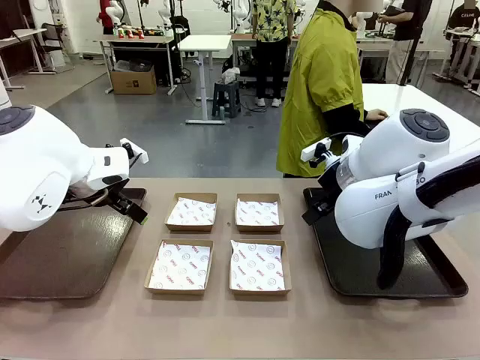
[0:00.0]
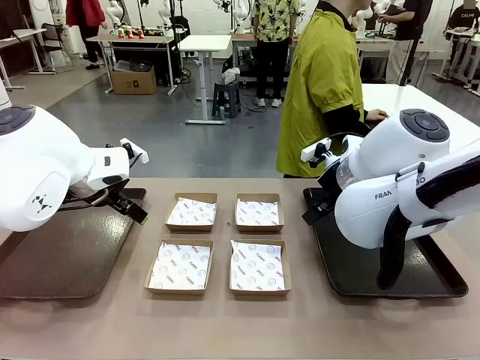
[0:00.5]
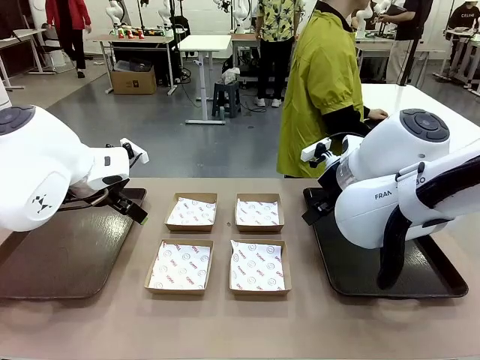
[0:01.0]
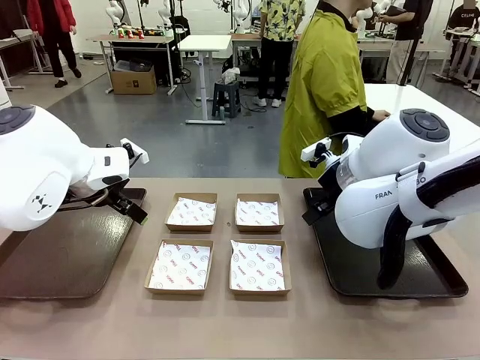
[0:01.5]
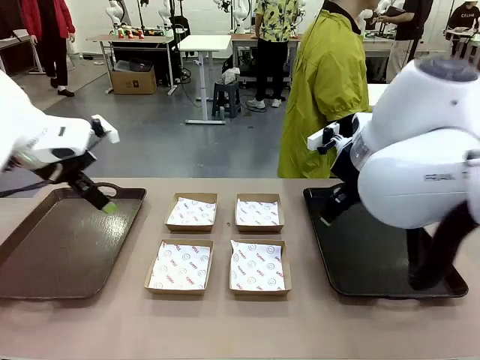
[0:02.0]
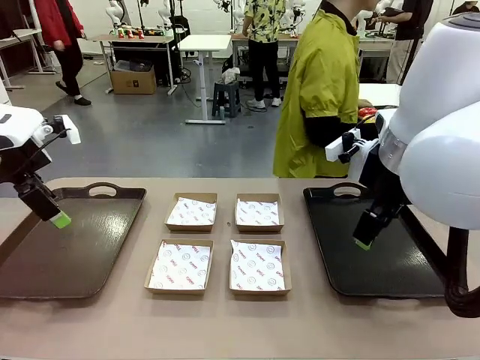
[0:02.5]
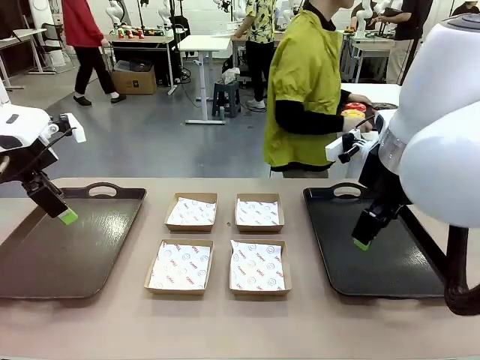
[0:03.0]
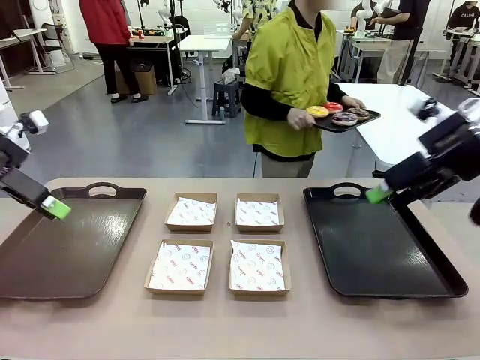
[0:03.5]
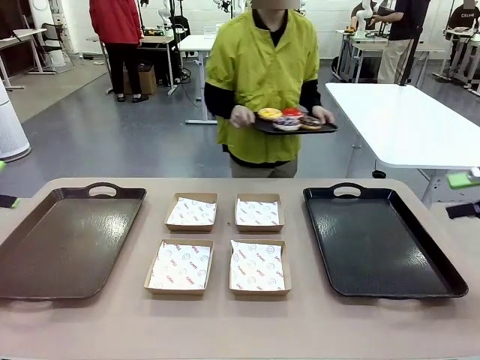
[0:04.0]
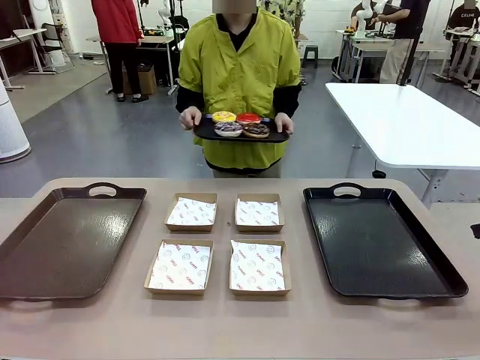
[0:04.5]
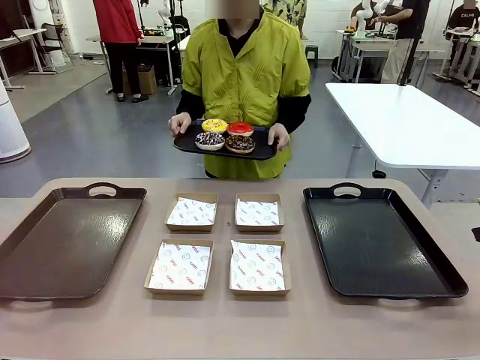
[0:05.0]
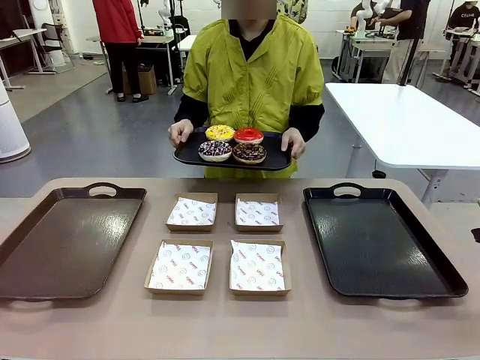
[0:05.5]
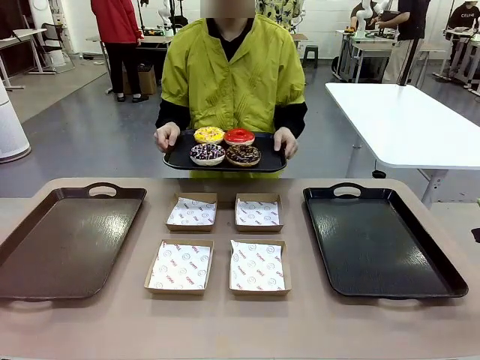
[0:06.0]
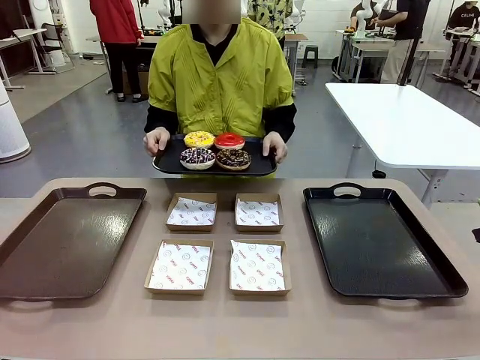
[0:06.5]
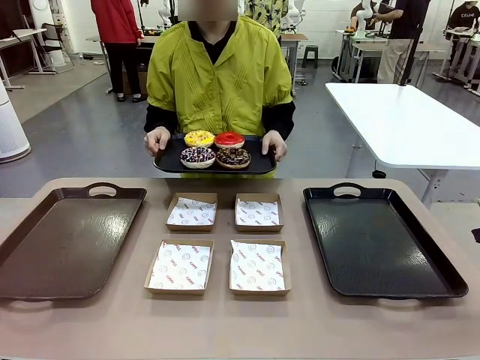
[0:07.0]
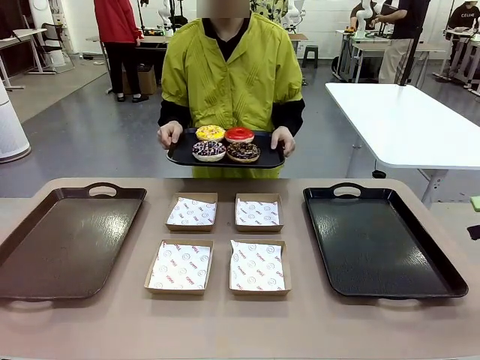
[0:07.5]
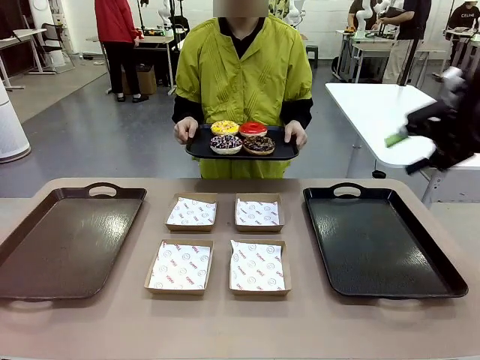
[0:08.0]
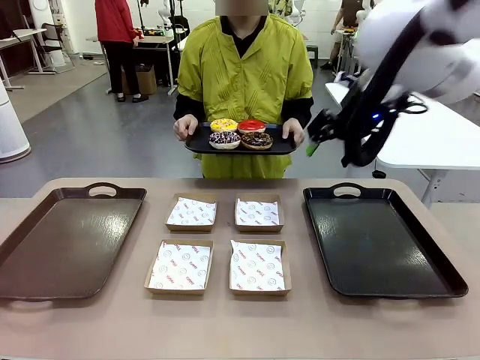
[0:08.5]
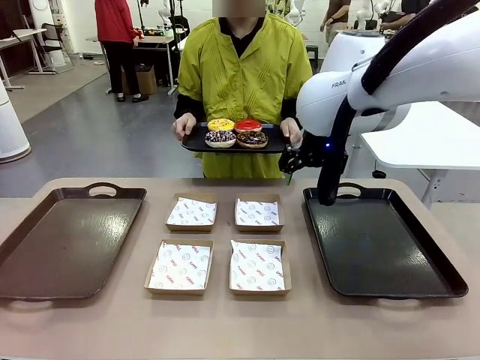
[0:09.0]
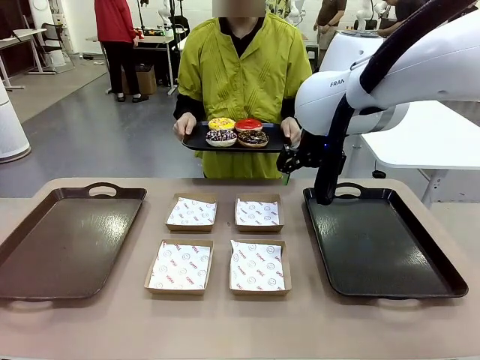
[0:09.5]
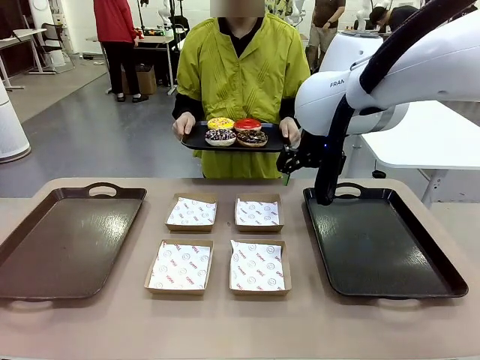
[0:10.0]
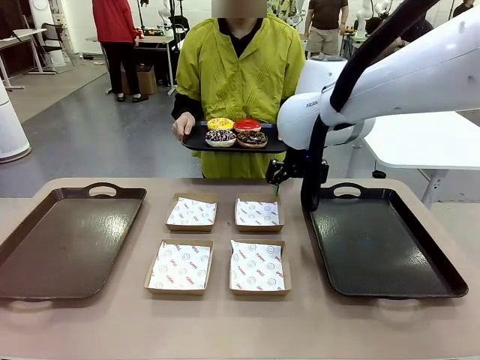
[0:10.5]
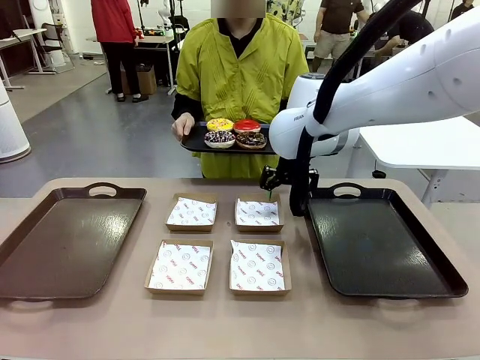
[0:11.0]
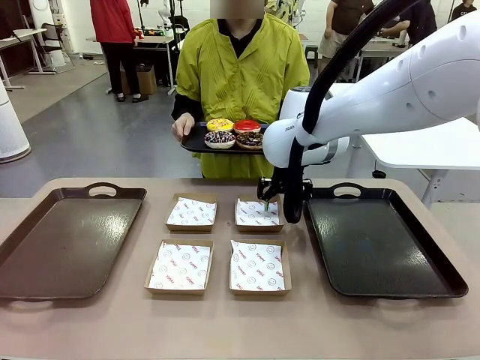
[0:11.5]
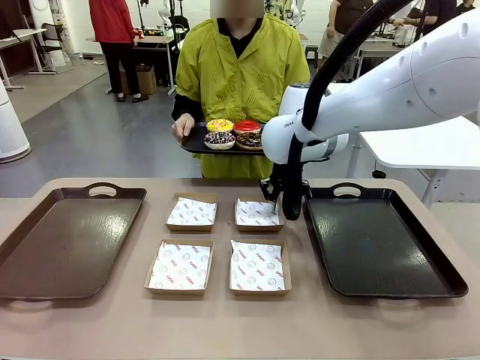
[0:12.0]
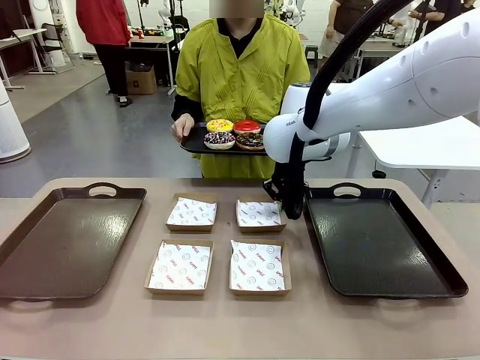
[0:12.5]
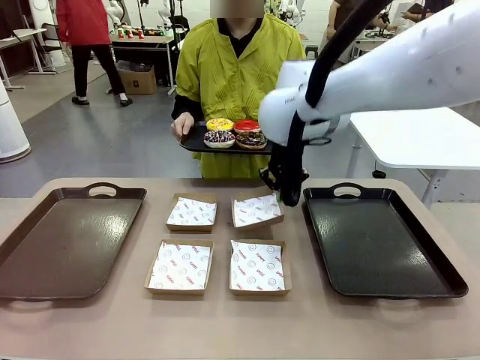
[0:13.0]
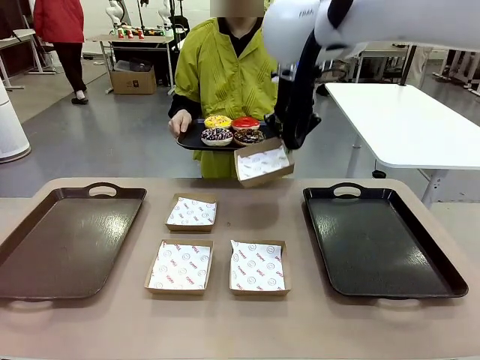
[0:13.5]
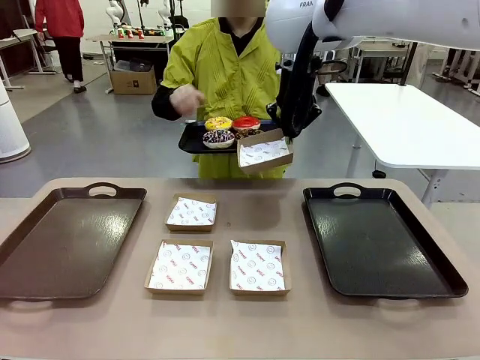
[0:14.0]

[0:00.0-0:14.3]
Task: Individually package the donuts and arrange them on the tray.
Robot: Pick up one Paper togo box.
Person: Stand in front of the robot table holding the tray containing the donuts.

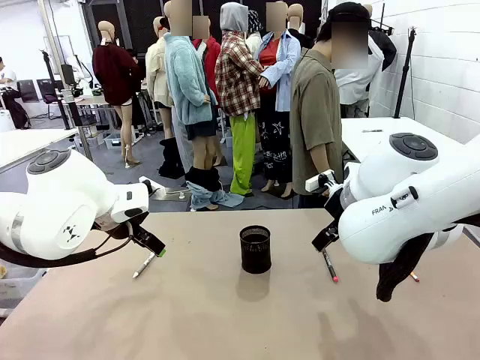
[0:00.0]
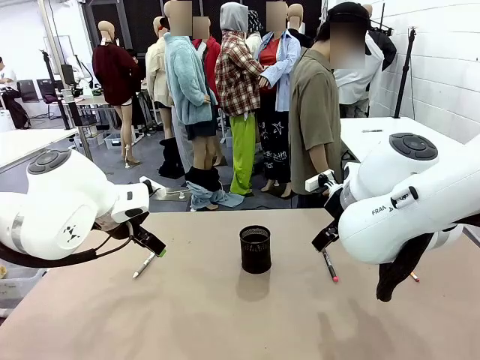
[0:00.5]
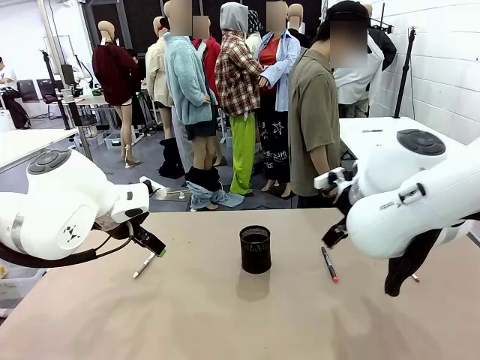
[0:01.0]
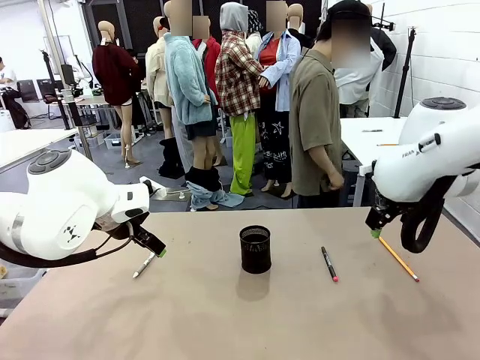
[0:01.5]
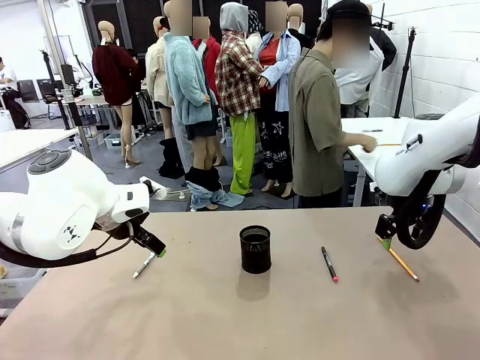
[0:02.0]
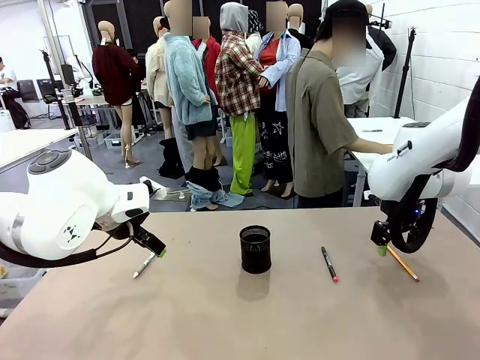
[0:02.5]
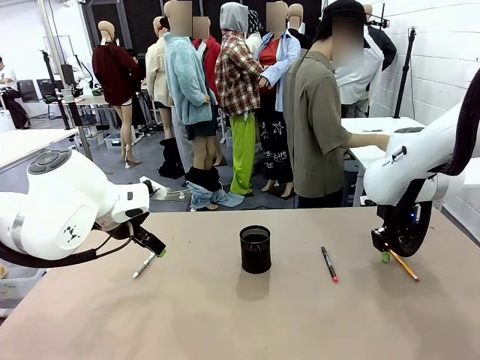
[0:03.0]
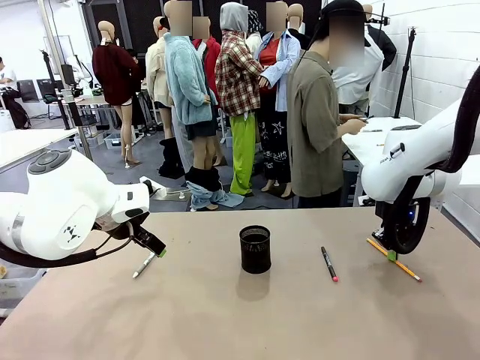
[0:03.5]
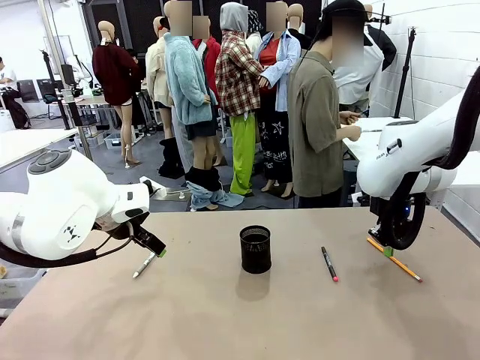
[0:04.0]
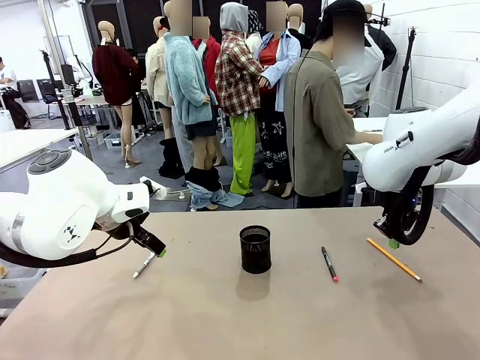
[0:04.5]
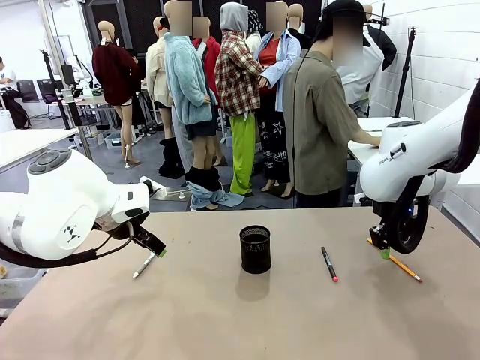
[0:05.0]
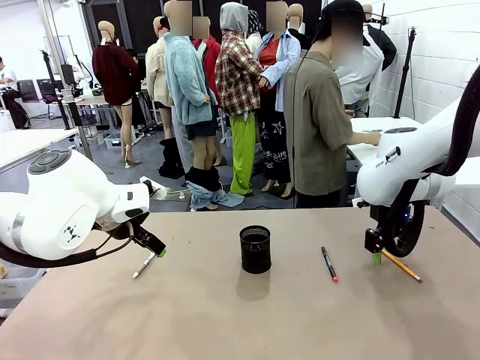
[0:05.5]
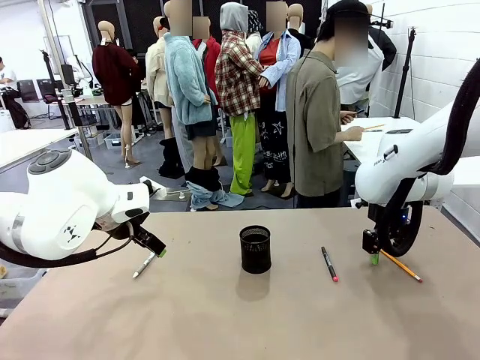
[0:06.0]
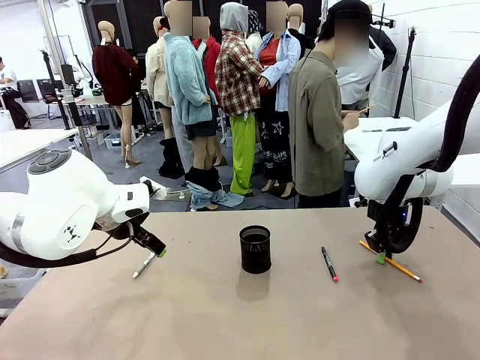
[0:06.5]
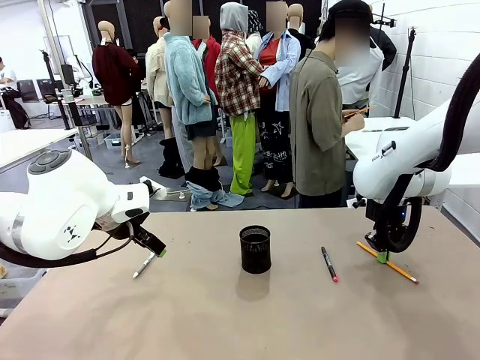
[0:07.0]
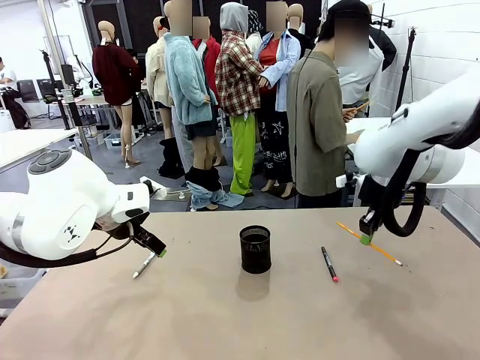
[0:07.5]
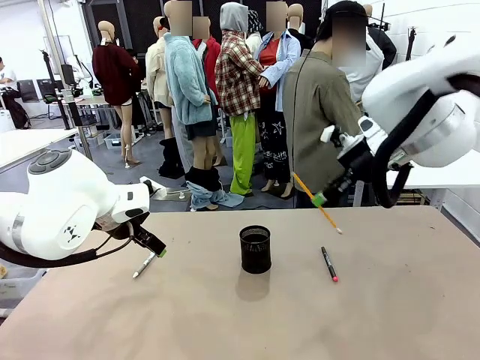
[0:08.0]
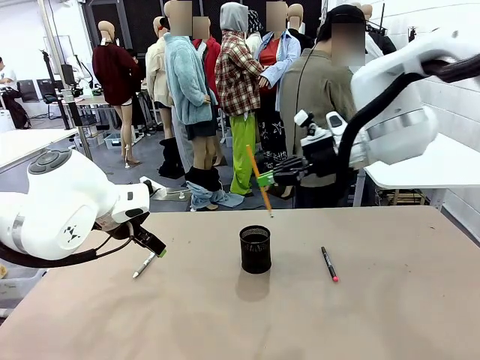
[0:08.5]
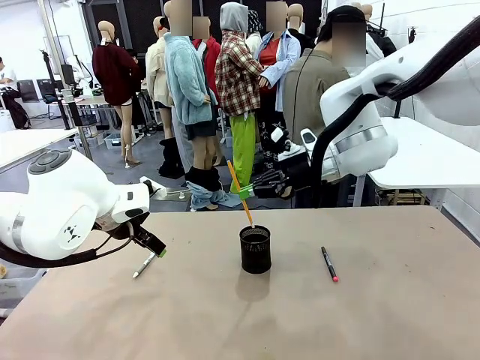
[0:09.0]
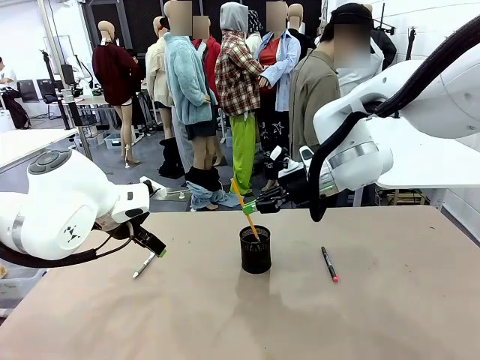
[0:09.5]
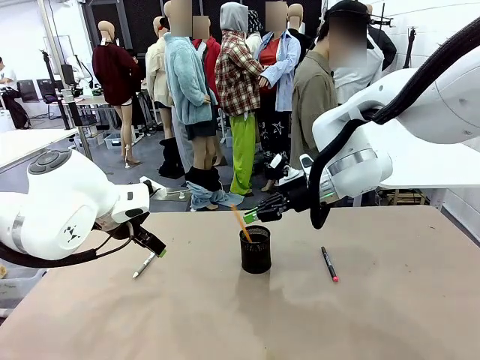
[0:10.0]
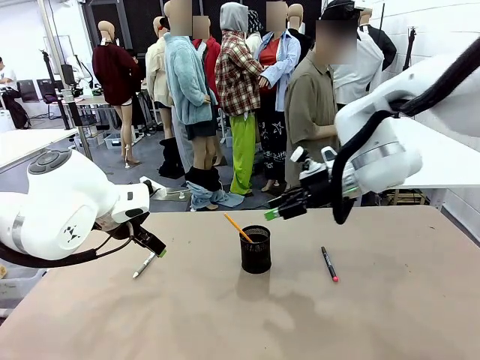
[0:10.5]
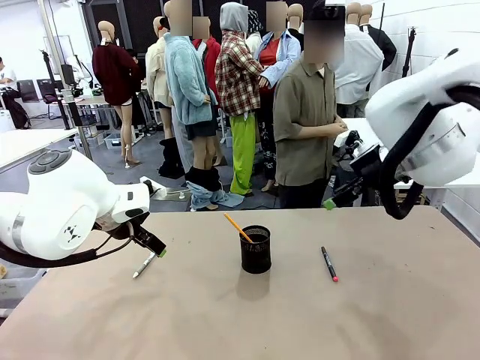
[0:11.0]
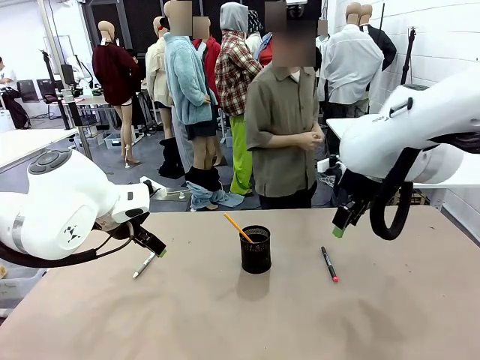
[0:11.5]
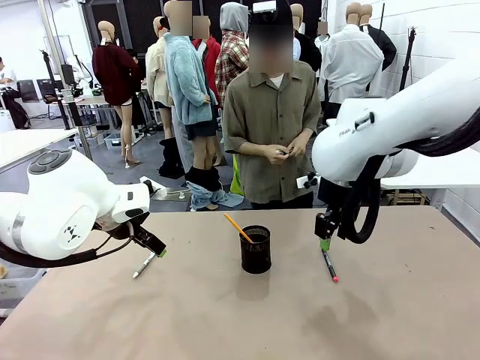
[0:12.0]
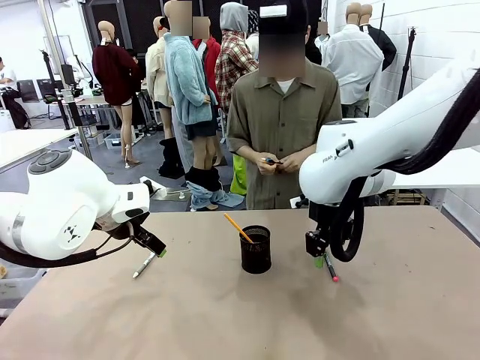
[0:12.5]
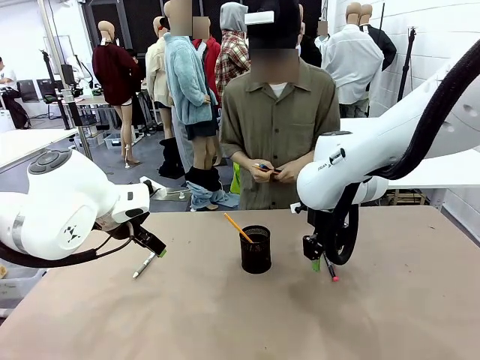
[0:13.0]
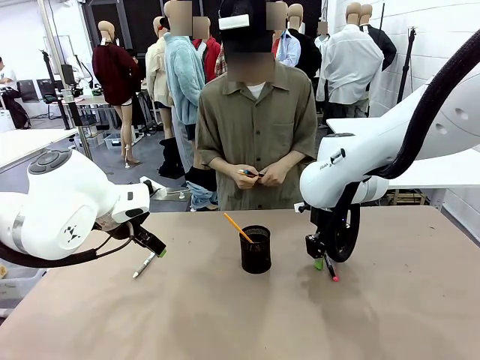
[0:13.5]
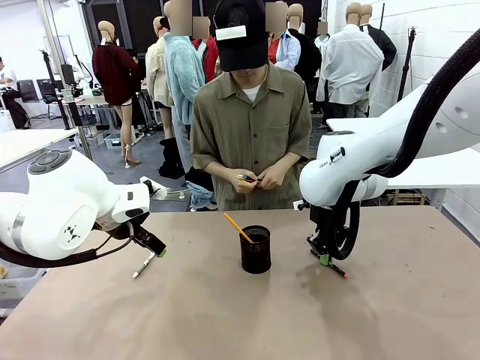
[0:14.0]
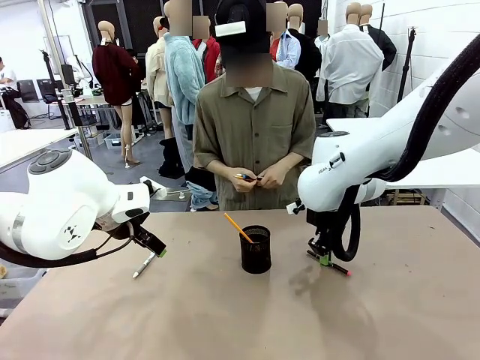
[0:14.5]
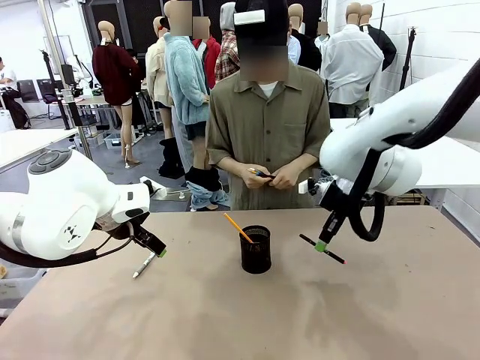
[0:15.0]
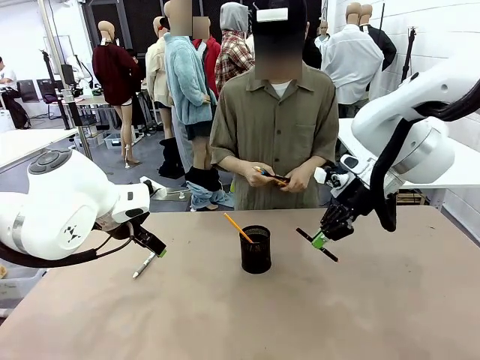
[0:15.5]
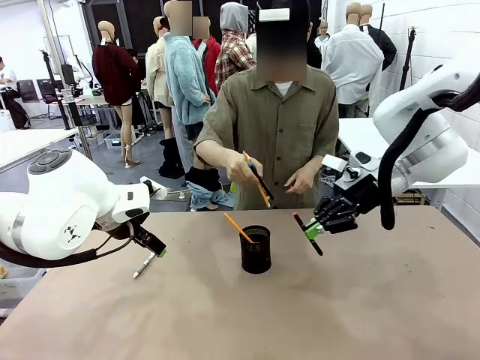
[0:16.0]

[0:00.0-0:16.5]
Task: Place the pens into the pen holder.
Robot: Pick up a writing instrument from the table and place it into the Pen holder.
Person: Pick up all writing instruments from the Human table.
